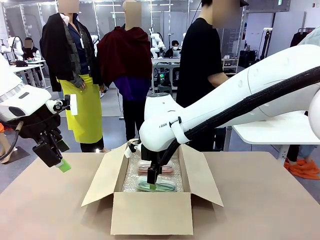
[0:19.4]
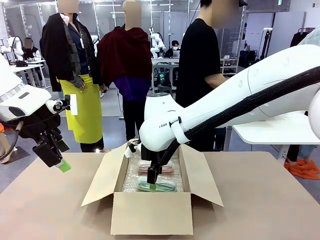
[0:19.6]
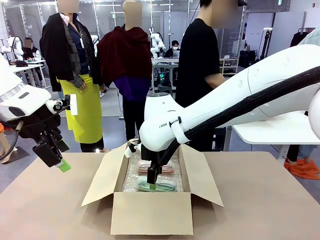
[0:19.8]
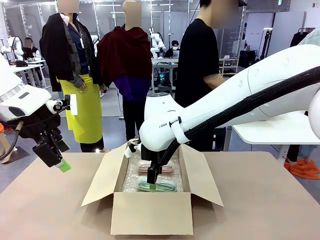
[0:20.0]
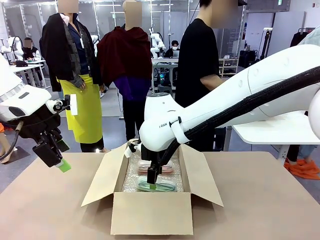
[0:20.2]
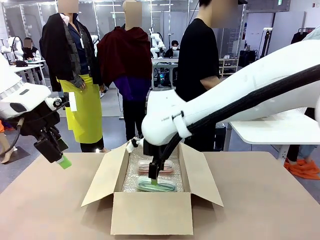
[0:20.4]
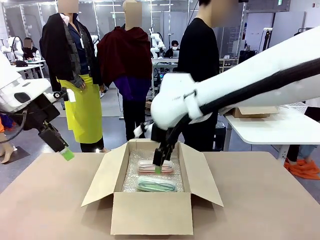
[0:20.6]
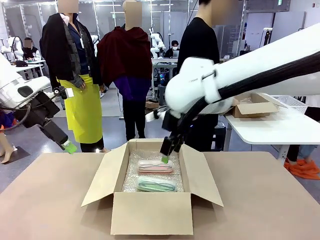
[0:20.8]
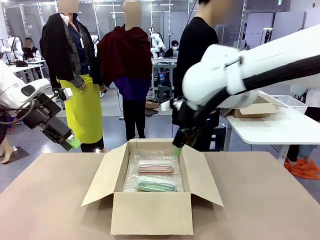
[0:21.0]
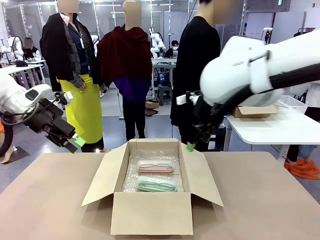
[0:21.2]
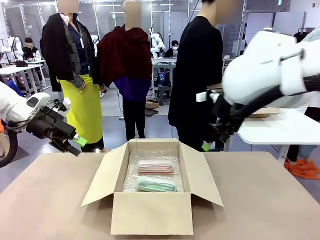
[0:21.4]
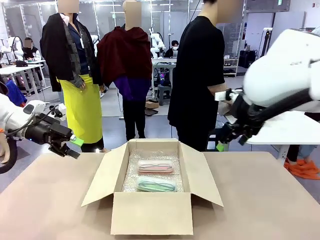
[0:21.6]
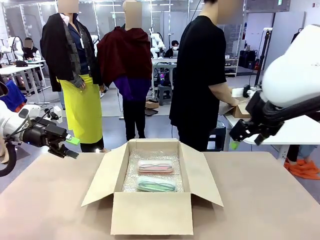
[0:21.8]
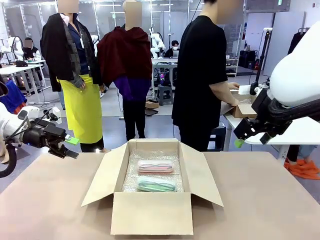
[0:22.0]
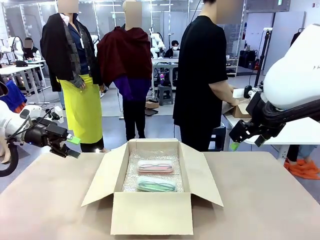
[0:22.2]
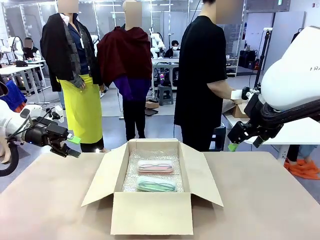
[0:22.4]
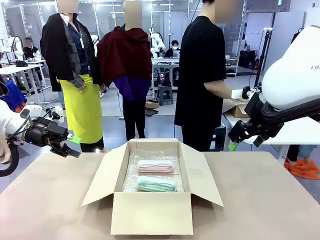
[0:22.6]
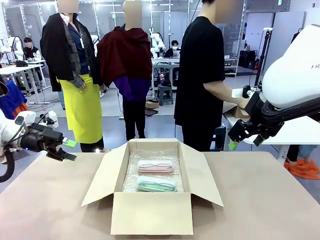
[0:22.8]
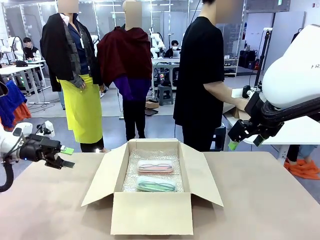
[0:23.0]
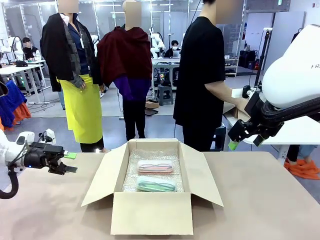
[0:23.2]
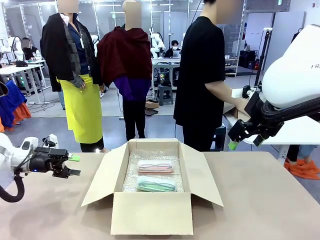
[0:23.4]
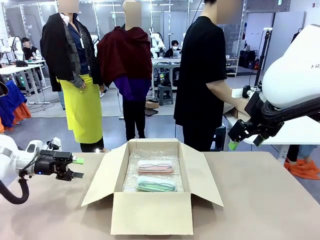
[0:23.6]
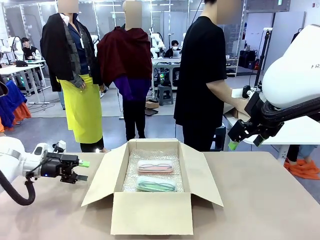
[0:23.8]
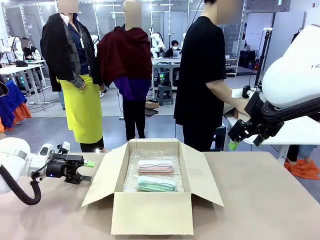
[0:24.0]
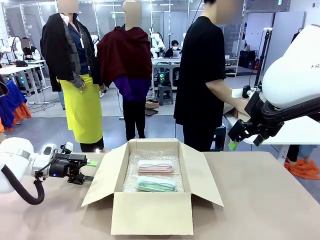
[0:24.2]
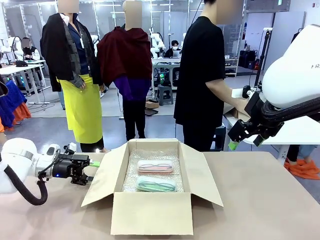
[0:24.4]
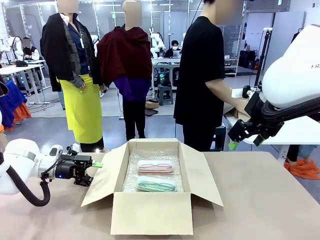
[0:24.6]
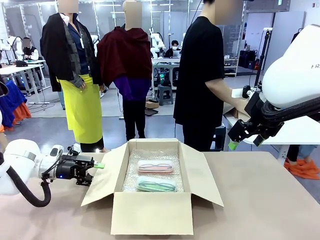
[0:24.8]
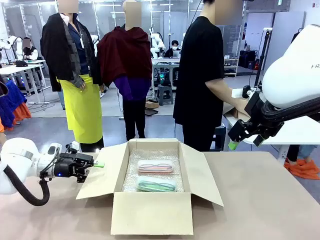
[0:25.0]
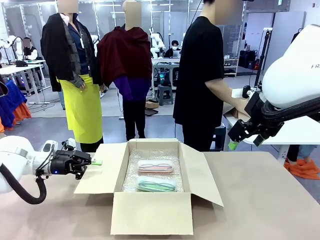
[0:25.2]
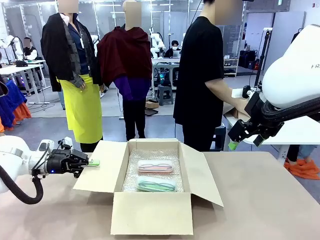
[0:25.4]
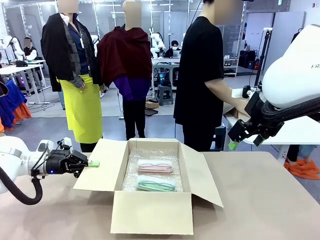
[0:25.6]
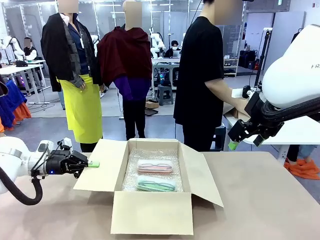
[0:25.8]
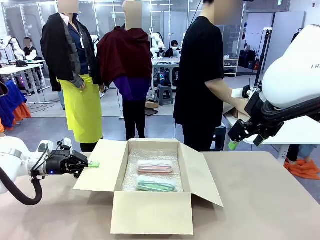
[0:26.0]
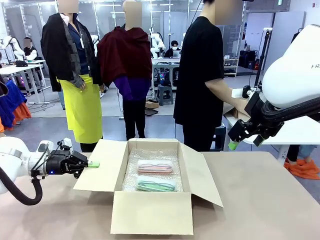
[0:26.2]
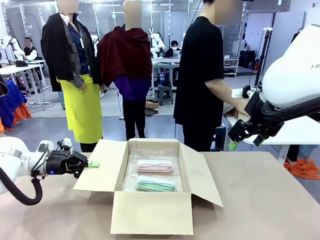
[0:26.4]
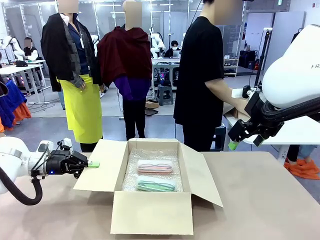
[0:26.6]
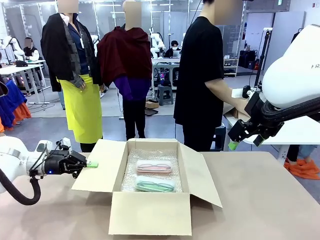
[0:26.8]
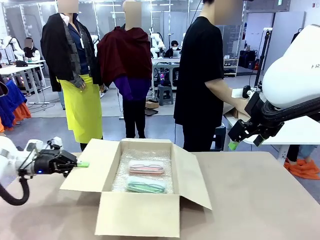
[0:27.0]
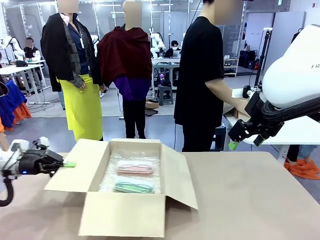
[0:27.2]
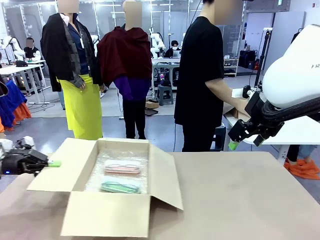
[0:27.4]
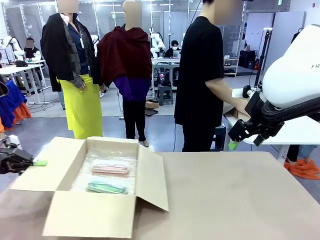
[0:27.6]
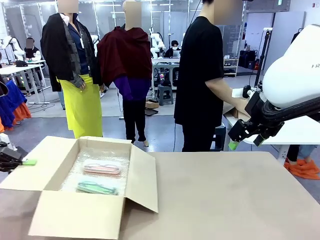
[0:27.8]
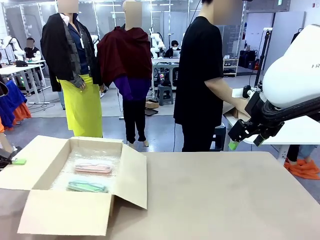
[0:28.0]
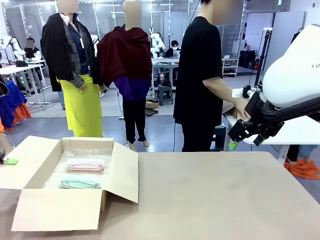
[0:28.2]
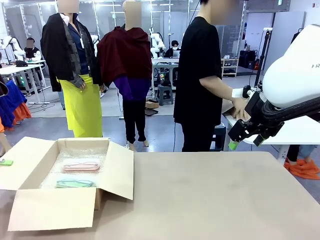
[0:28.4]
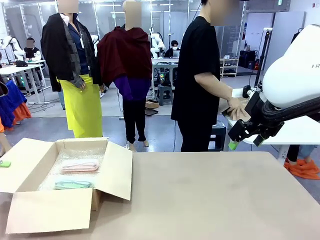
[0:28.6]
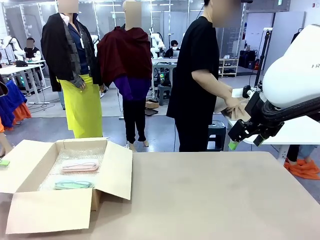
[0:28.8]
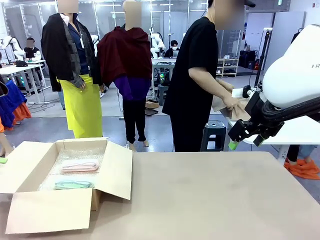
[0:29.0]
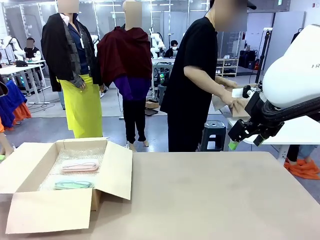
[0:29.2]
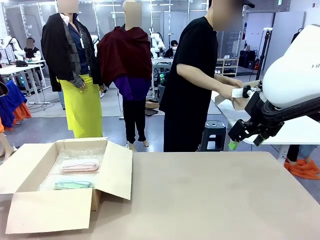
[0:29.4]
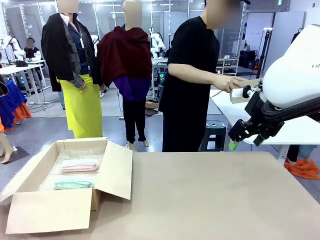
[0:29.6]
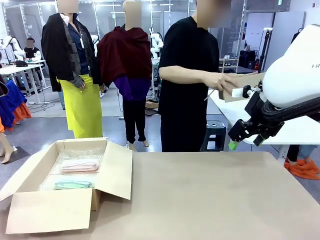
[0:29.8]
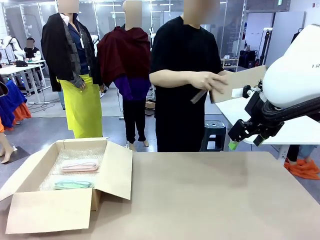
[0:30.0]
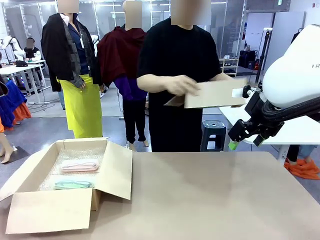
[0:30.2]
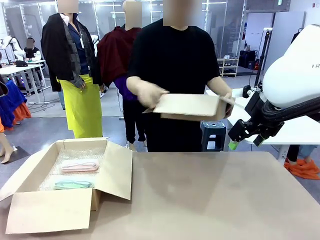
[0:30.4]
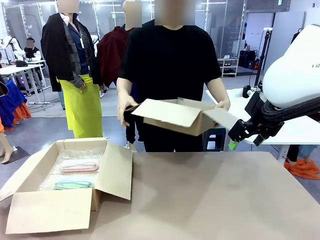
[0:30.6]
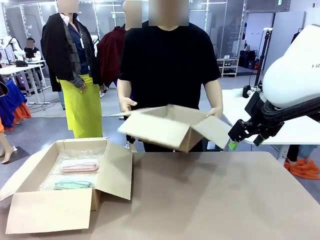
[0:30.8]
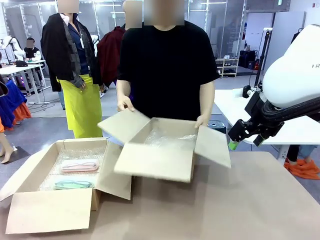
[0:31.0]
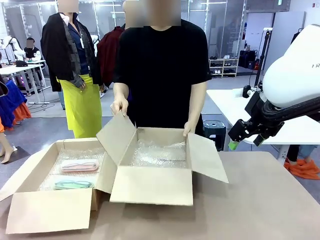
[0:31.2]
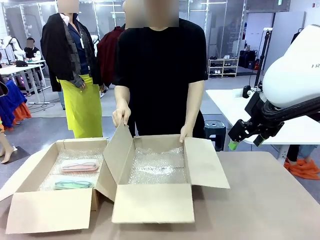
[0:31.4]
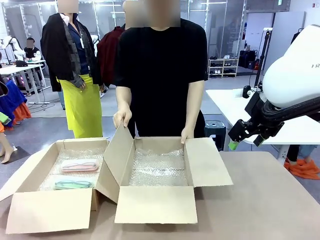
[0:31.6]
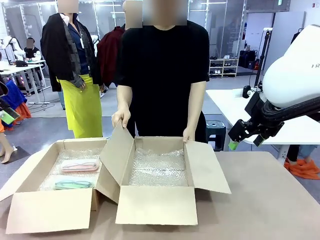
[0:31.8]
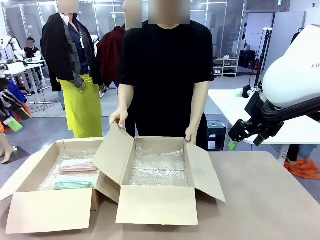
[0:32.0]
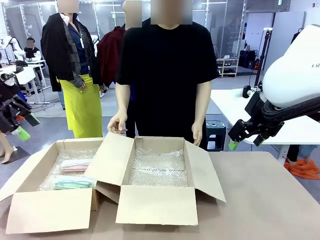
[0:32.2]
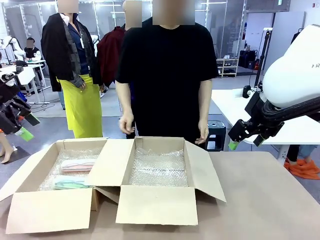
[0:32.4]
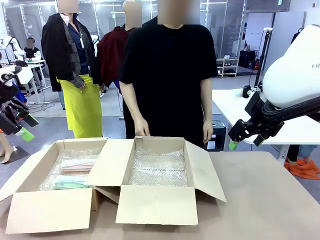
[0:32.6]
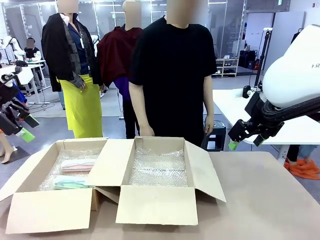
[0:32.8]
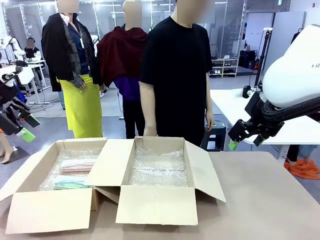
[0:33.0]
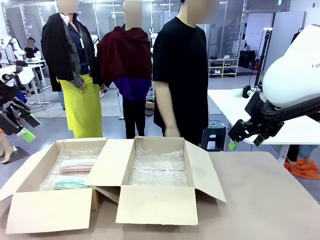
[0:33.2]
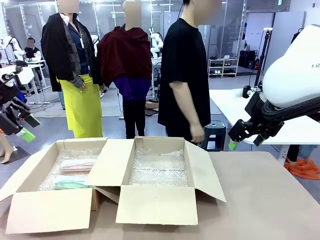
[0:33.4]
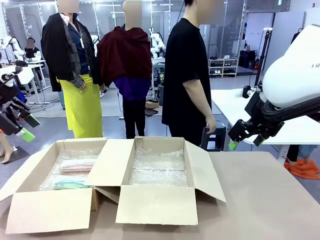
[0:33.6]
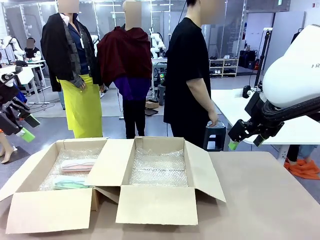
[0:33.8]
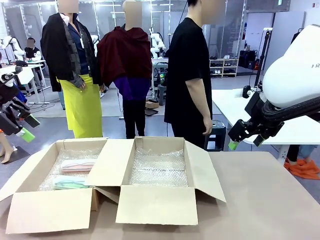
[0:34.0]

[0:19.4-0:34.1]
Task: Pack the glasses set securely to prepare it for shipping.
Robot: Position the Package Box on the left side of the table.
Person: Position the empty Package Box in the middle of the robot's table.
